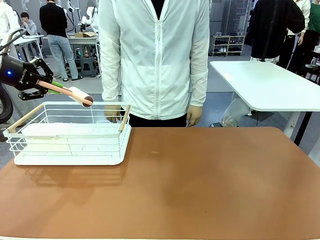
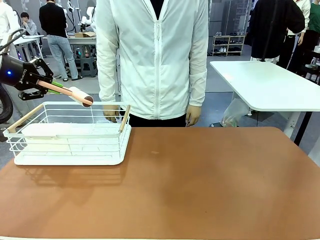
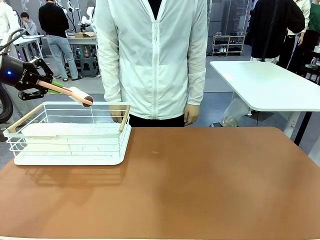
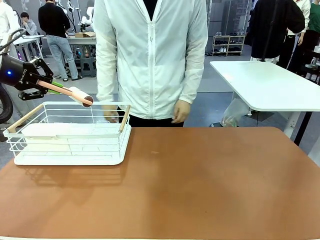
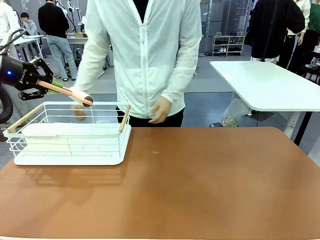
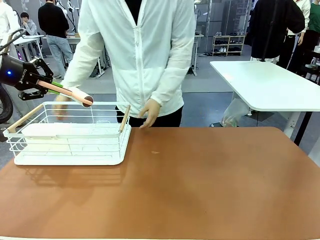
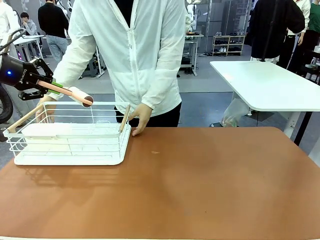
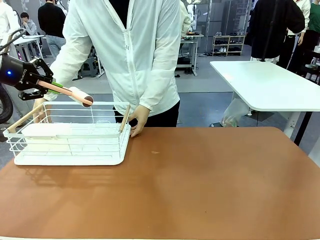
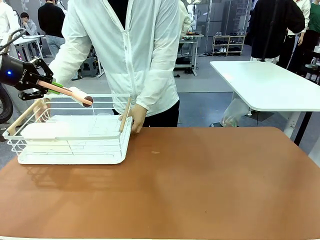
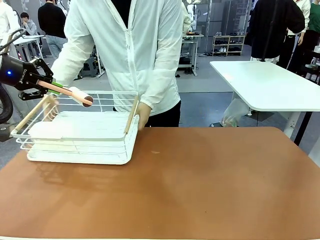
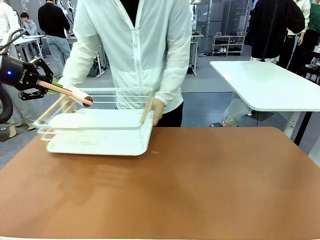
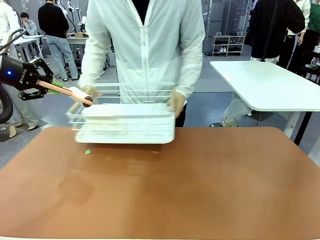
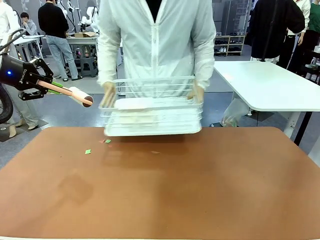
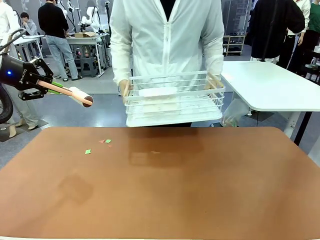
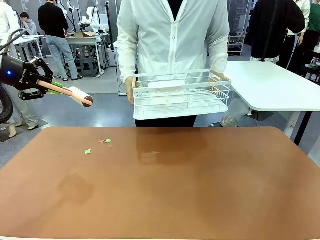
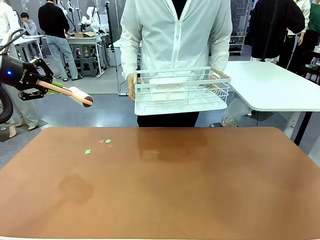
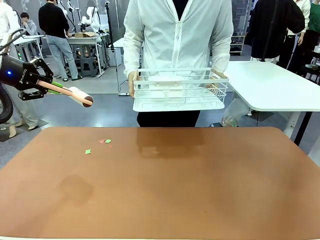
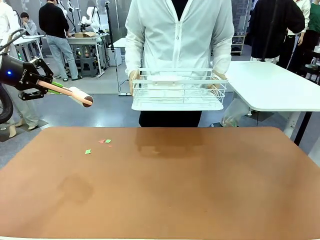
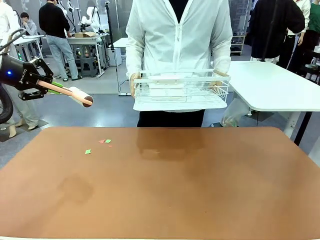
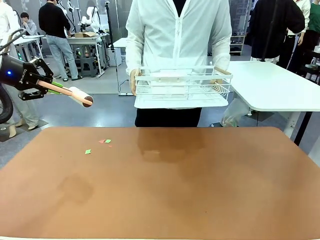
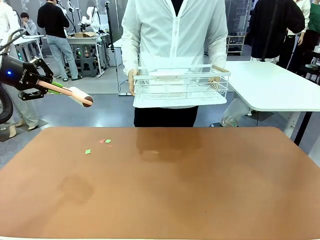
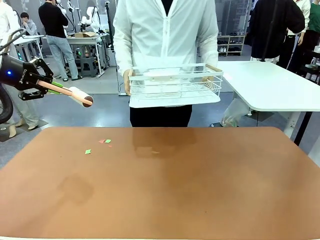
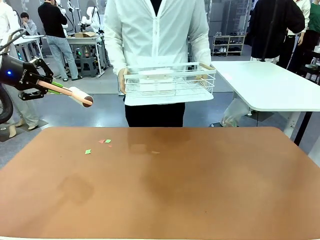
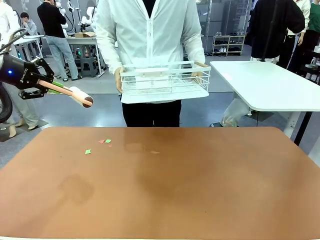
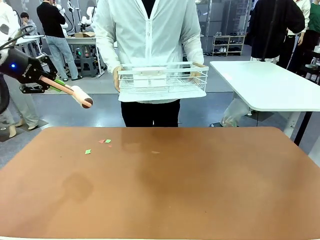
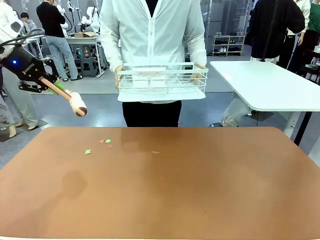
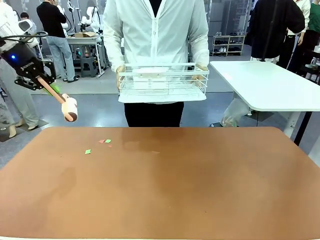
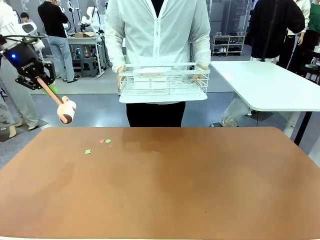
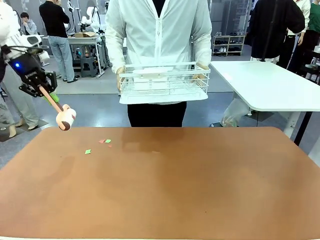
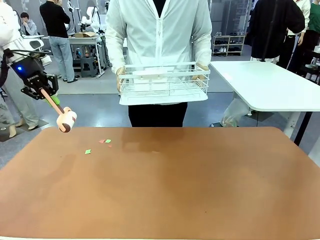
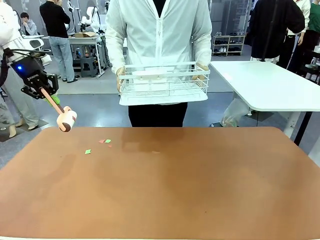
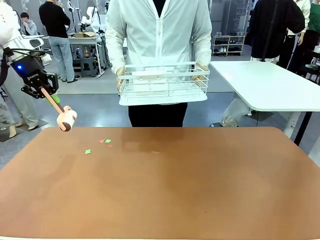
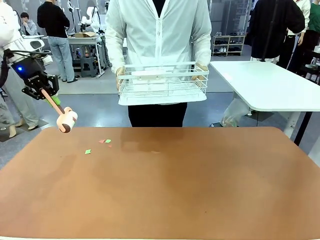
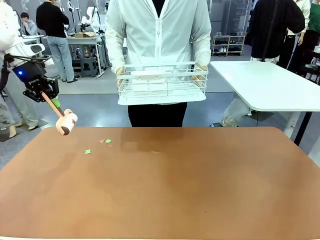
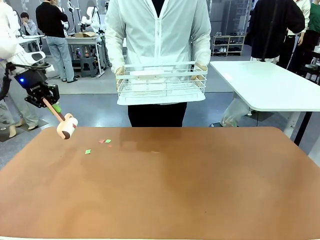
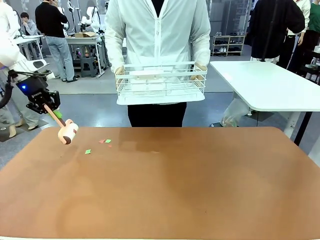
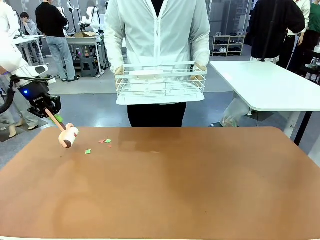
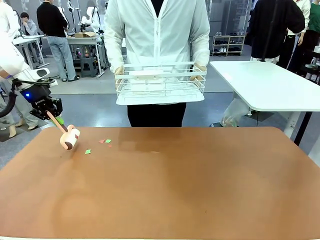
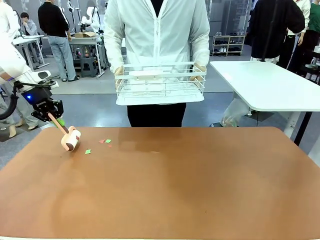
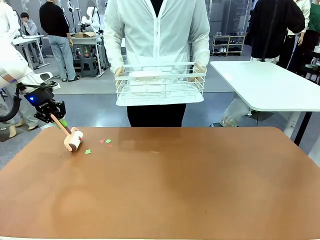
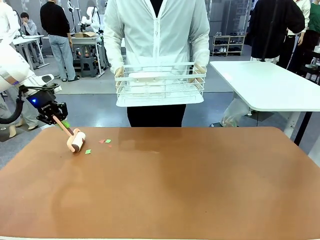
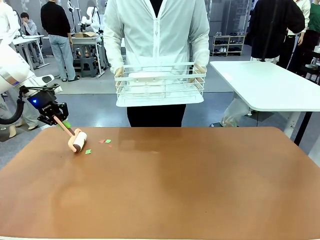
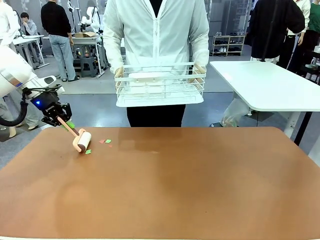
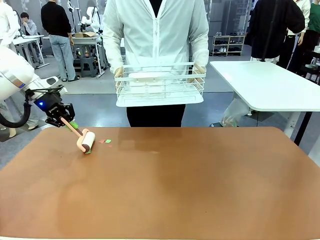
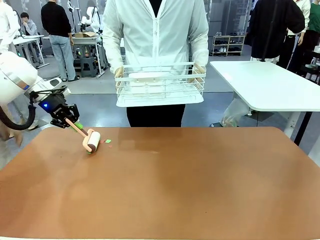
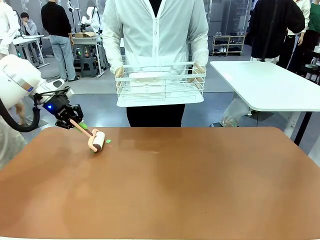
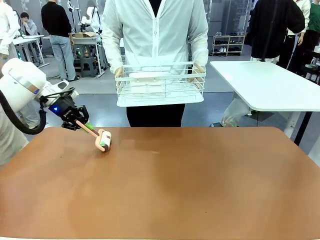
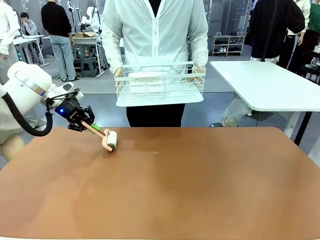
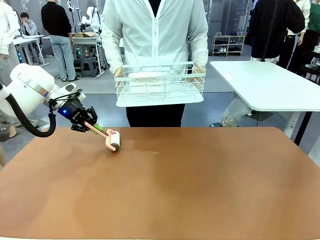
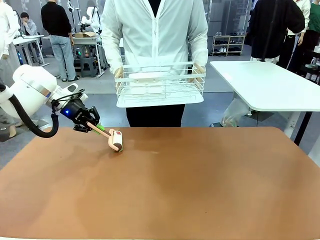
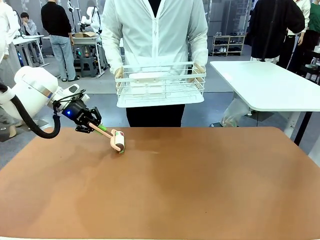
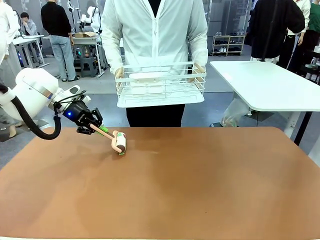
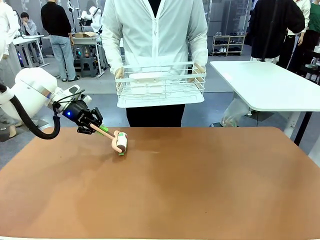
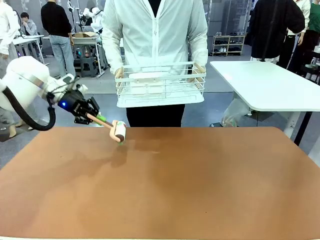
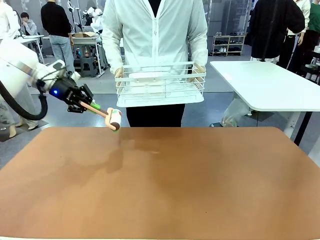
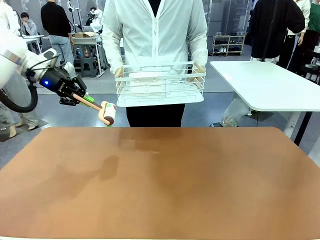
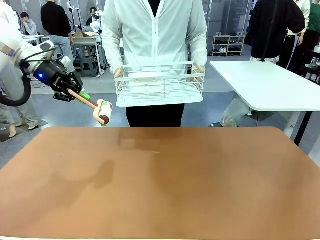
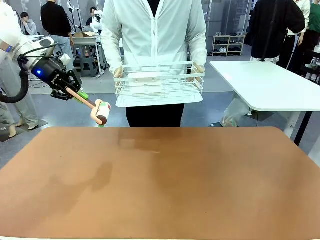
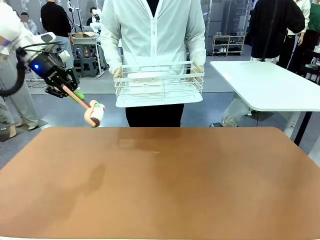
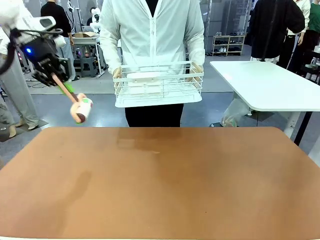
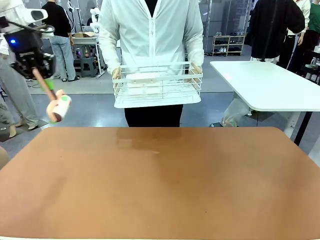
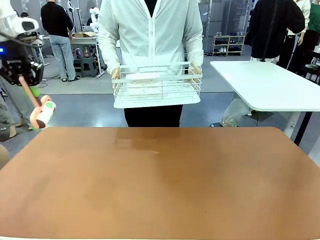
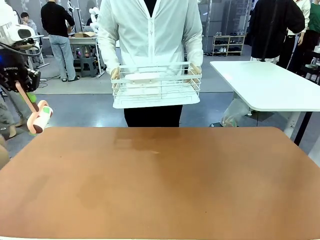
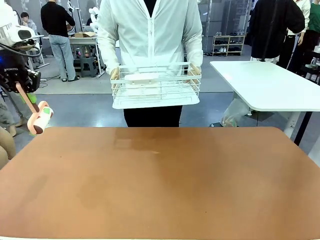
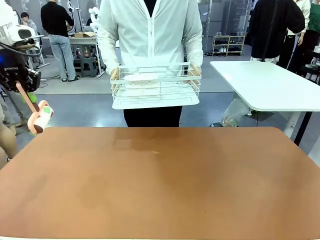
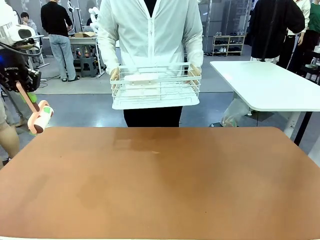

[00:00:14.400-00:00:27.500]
Task: Clean the table.
Robot: Clean the table with the Lint Roller when the human lifts the Dish drying rack.

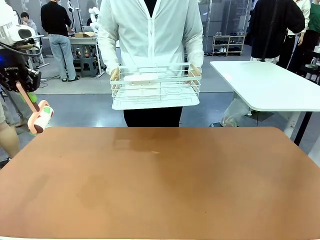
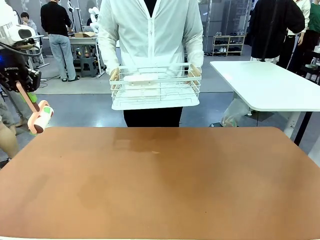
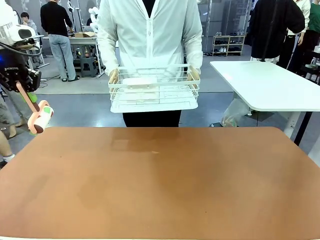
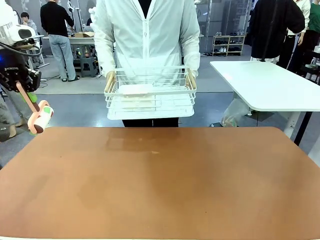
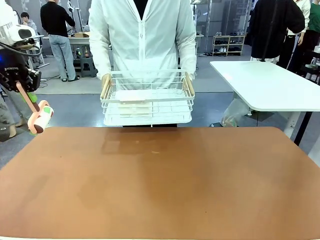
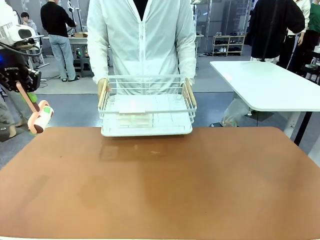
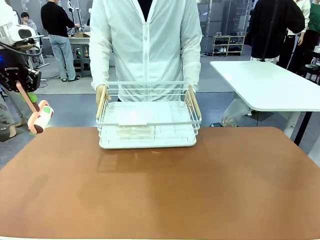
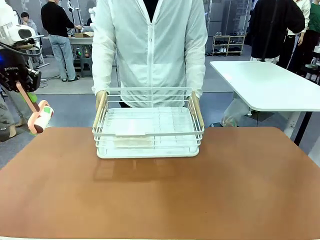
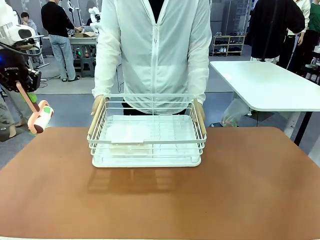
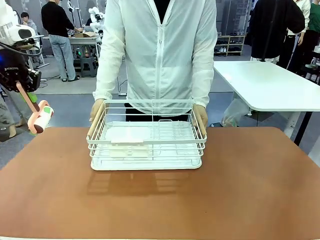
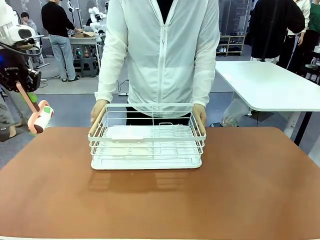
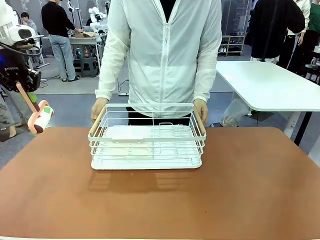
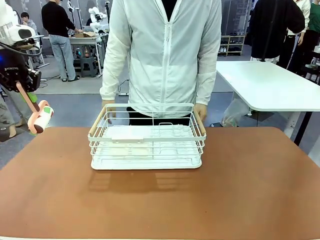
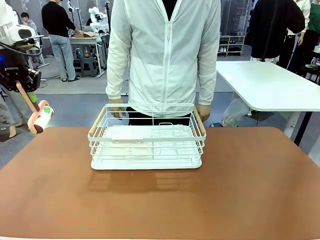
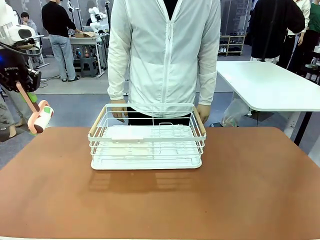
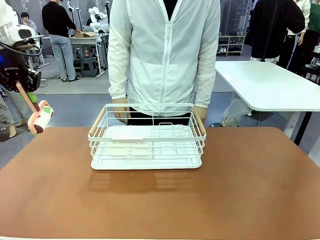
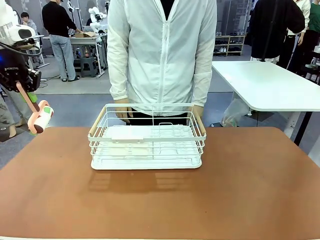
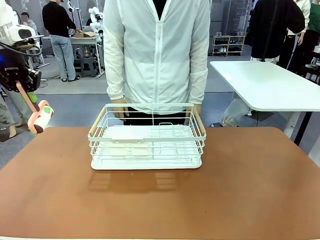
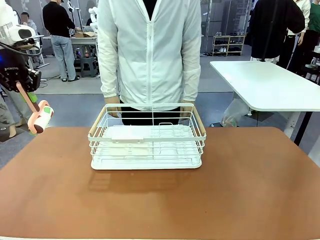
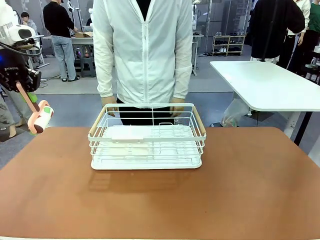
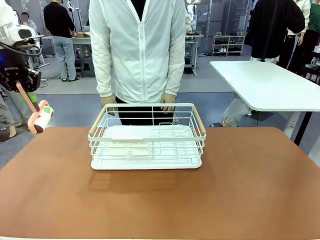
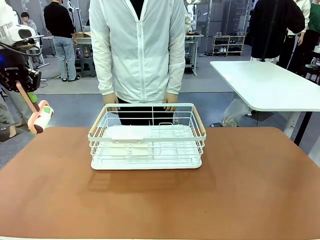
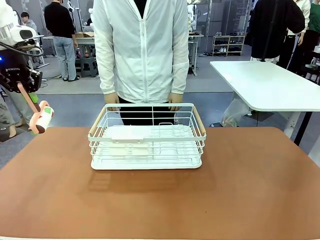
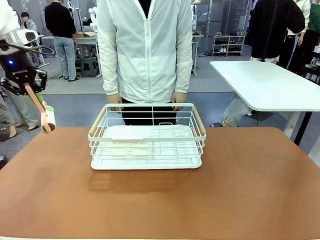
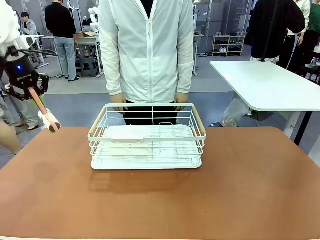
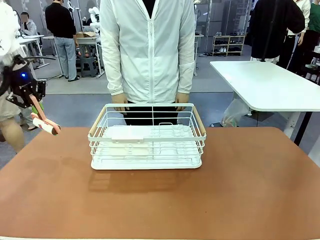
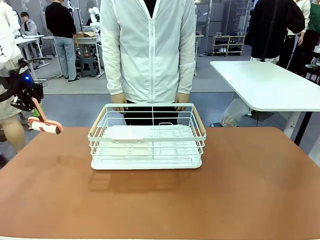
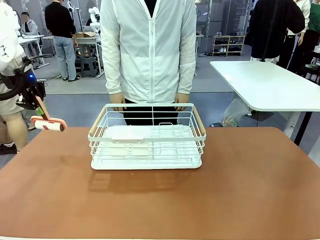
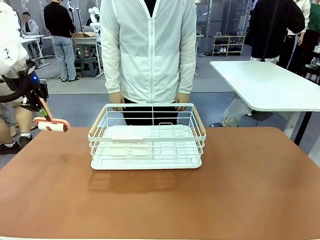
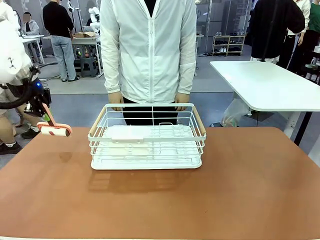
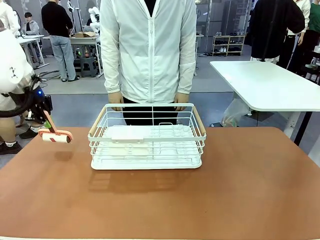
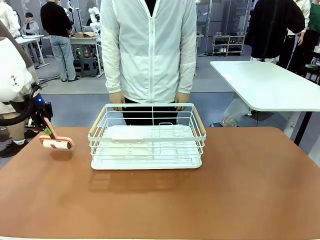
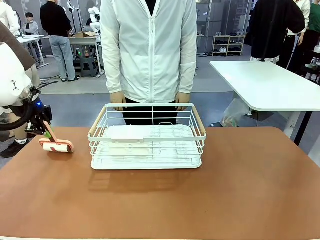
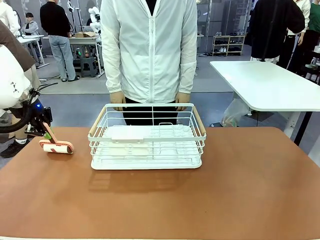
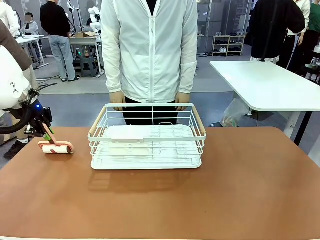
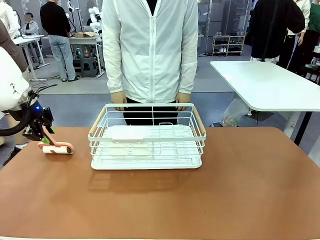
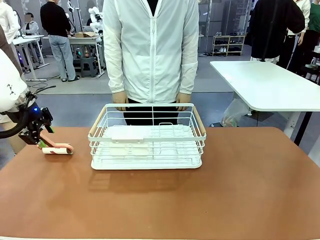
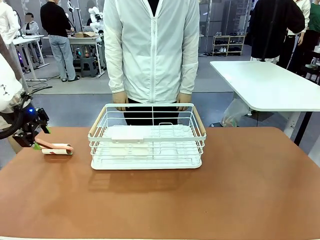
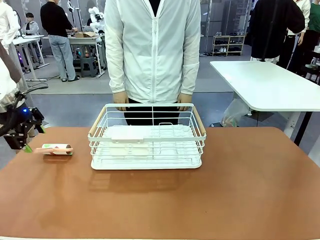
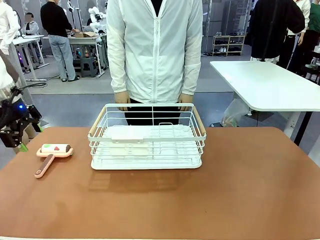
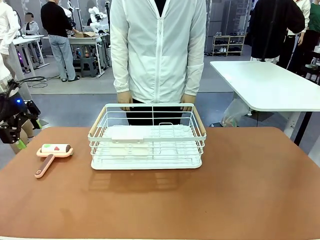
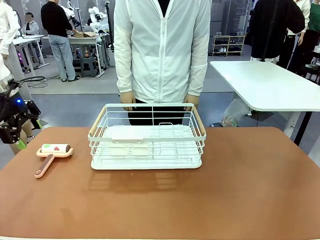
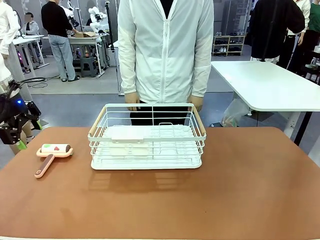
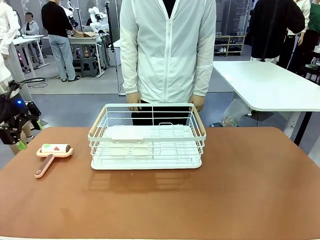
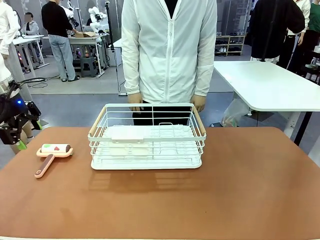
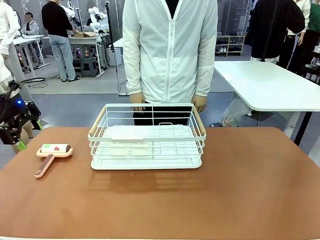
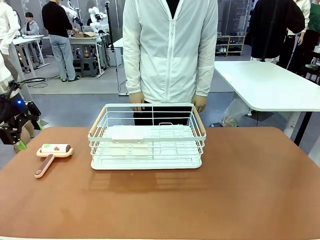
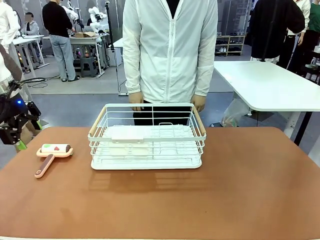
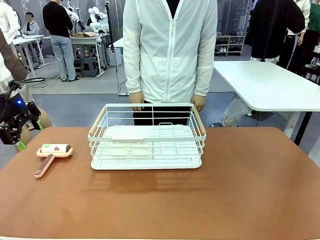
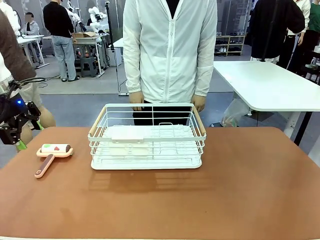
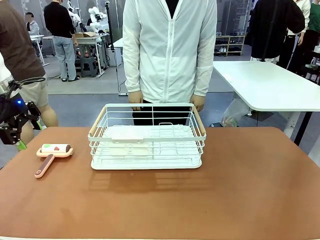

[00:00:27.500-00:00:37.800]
Robot: Place the Lint Roller down when the Dish drying rack is positioned in the middle of the table.
Person: Place the Dish drying rack down when the robot finishes cleaning.
